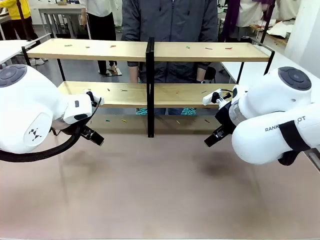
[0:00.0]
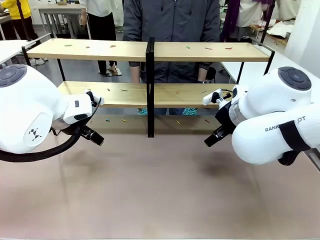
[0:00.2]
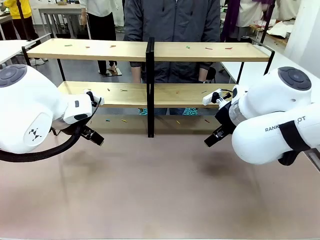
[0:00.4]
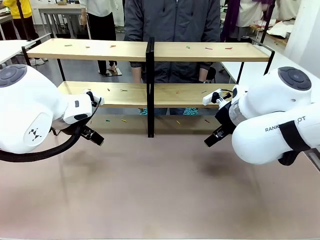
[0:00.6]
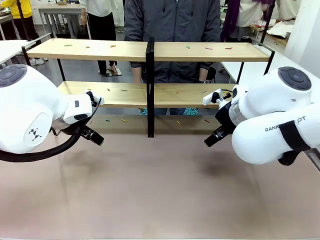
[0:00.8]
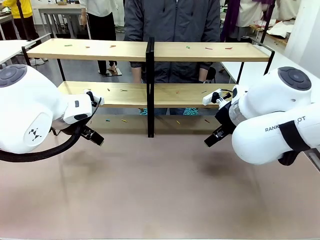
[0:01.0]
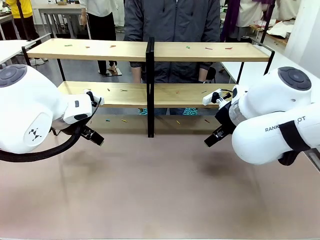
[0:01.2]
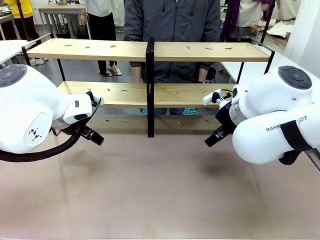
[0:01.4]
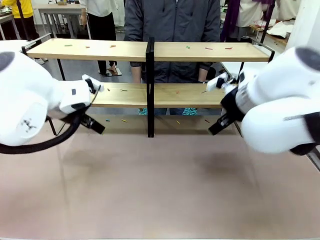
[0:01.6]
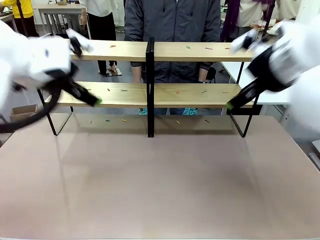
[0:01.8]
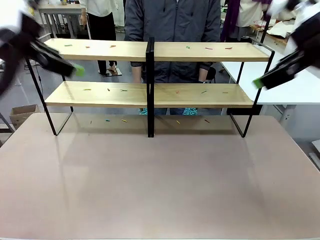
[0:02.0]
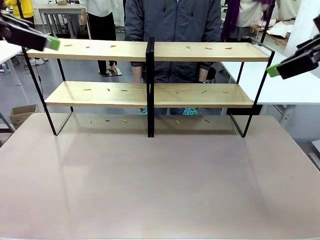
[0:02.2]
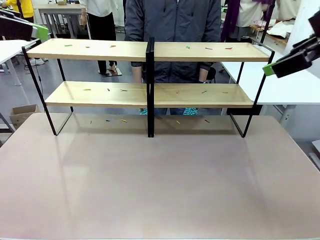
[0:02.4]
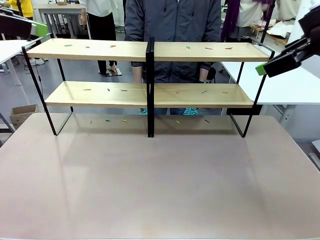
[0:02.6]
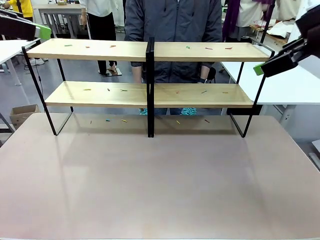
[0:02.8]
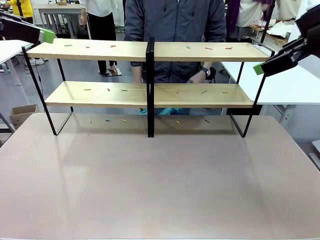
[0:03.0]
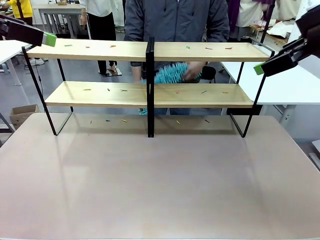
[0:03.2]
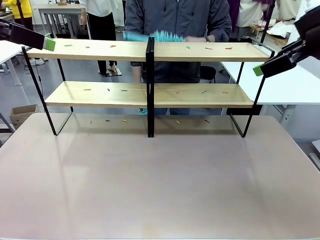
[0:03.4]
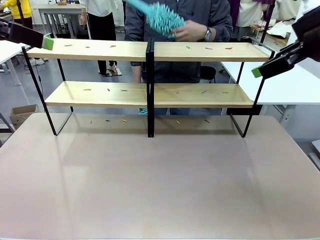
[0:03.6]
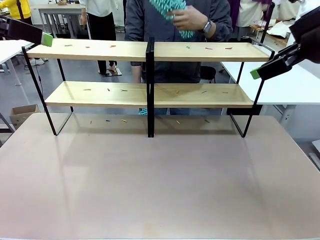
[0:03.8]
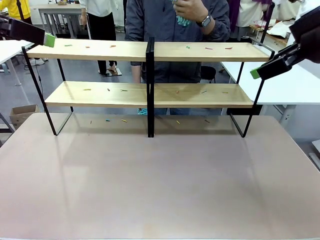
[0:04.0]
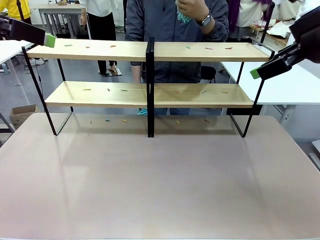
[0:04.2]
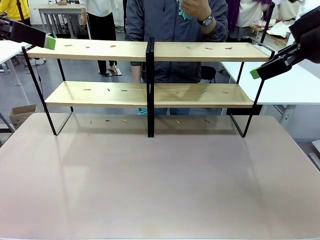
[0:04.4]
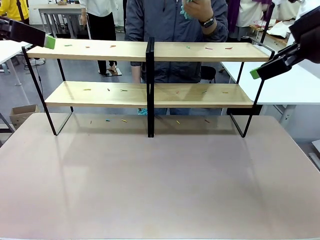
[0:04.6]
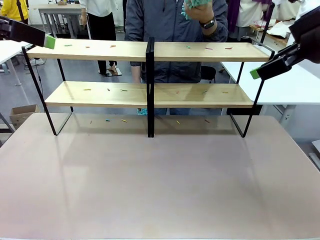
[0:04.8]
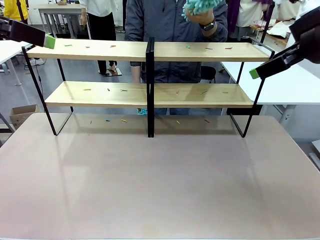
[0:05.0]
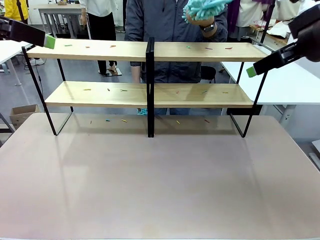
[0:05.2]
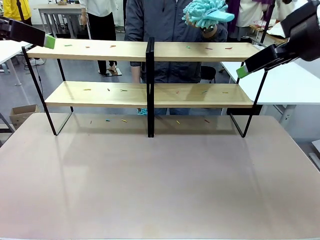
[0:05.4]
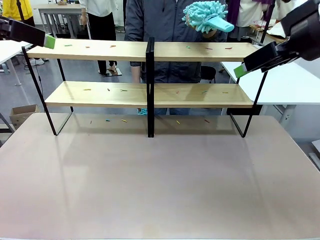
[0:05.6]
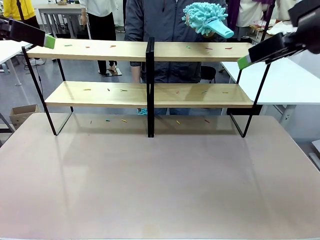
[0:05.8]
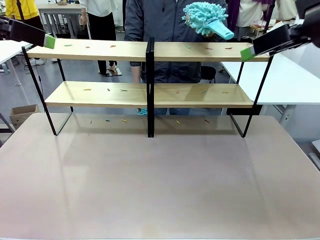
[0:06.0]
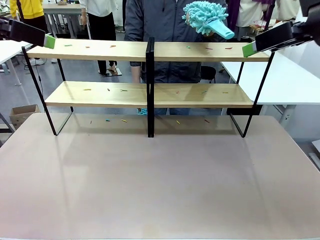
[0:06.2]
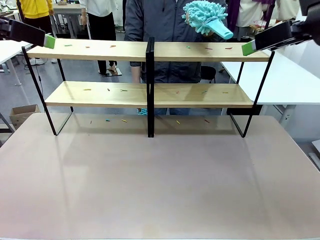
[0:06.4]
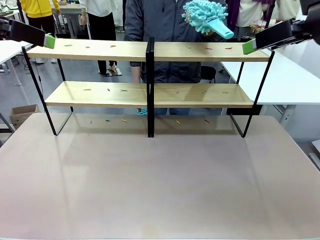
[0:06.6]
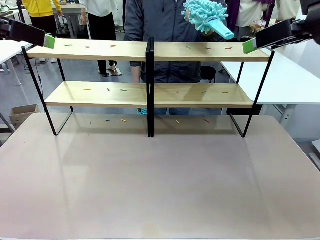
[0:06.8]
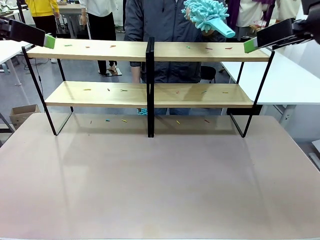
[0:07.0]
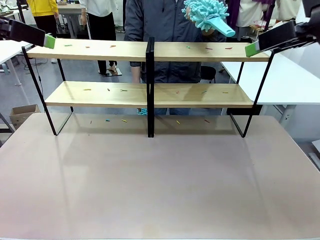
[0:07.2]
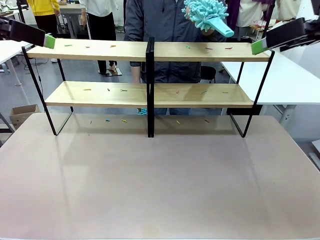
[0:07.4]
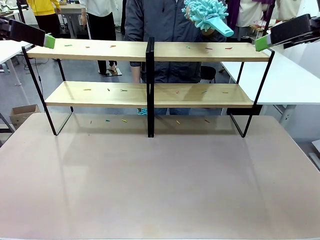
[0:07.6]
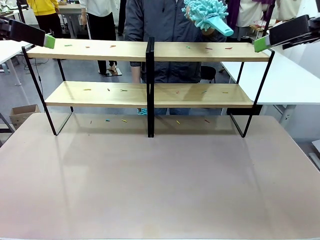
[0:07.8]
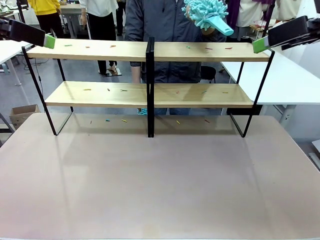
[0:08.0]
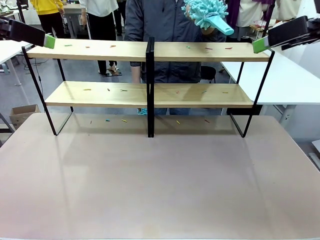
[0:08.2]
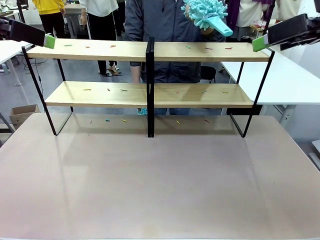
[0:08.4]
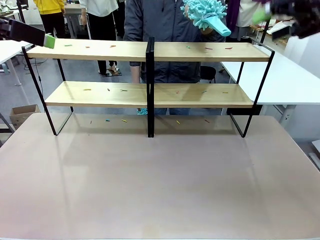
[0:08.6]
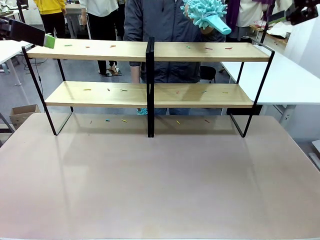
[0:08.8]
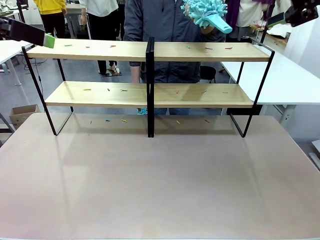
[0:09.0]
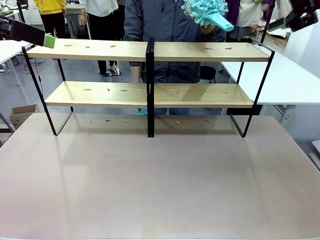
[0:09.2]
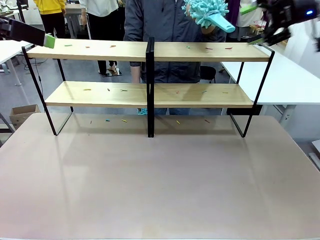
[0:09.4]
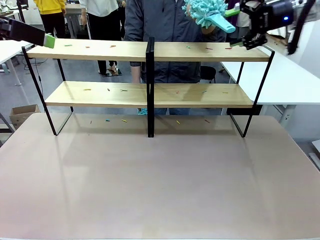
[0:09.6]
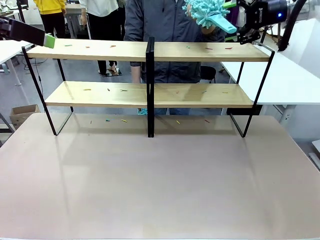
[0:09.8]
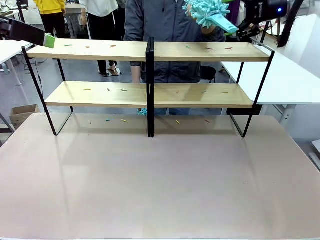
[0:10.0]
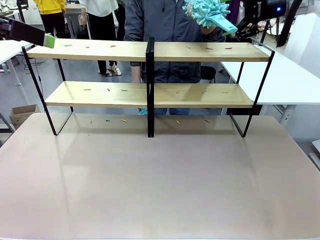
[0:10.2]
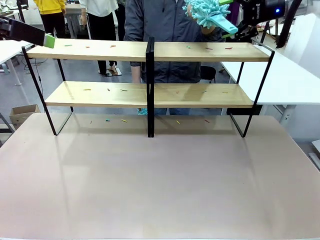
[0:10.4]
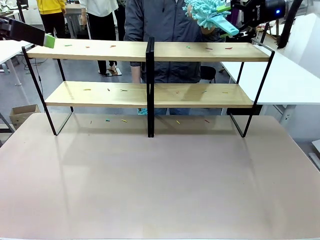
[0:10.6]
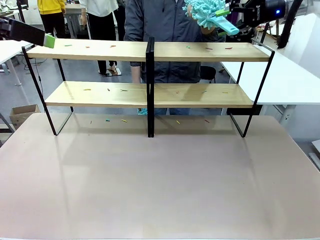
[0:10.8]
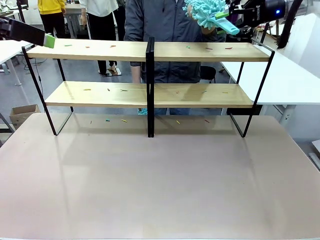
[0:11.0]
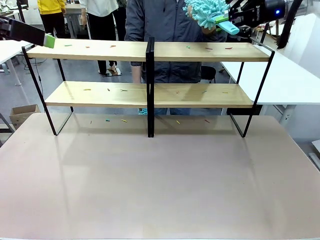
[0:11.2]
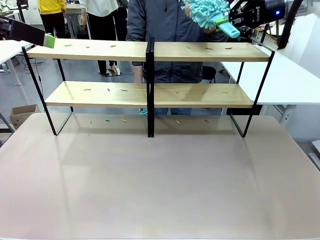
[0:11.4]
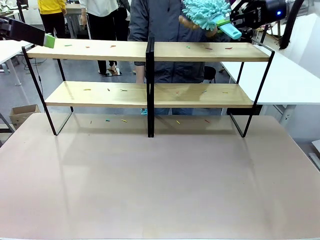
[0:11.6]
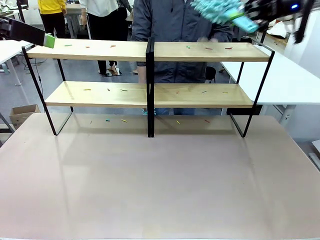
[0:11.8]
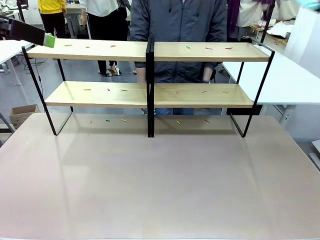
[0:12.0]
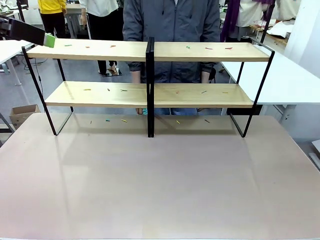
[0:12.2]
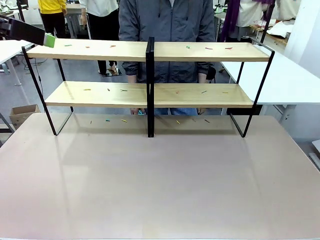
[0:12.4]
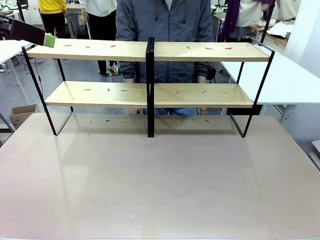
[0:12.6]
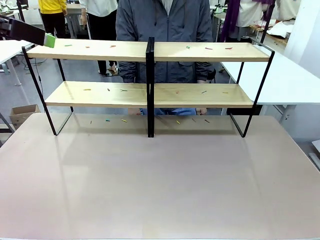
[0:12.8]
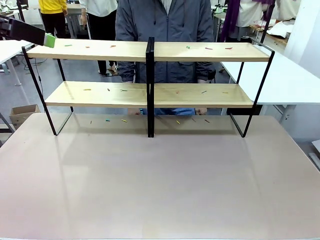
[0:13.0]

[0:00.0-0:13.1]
Task: Clean the shelves.
Robot: Pick up the Duster when the human hands it over.
Person: Hand the Duster to the robot with your right (or left) hand.

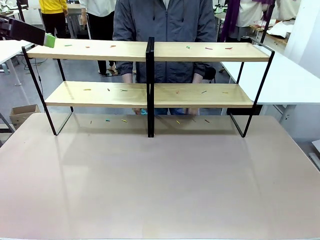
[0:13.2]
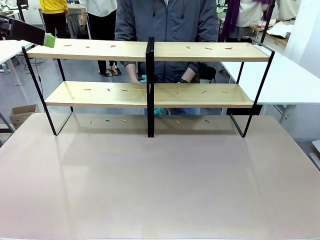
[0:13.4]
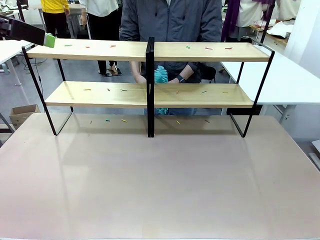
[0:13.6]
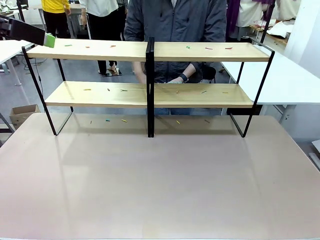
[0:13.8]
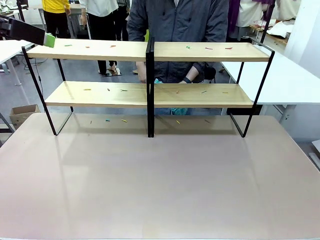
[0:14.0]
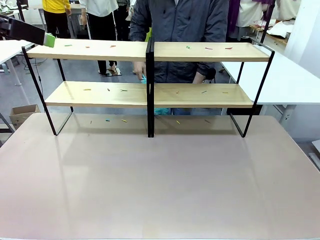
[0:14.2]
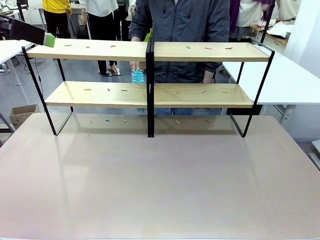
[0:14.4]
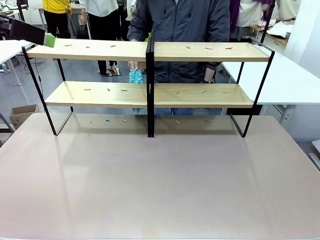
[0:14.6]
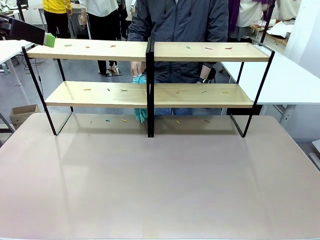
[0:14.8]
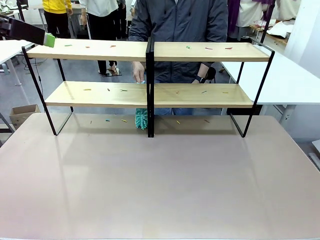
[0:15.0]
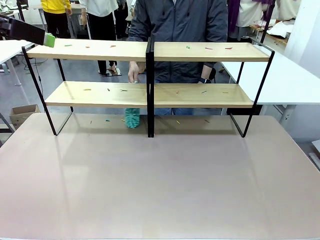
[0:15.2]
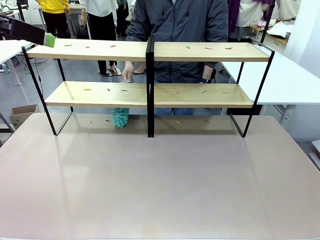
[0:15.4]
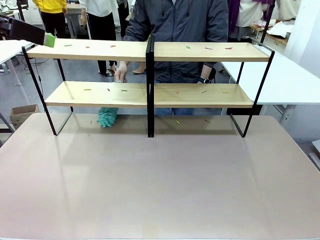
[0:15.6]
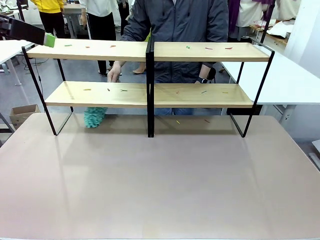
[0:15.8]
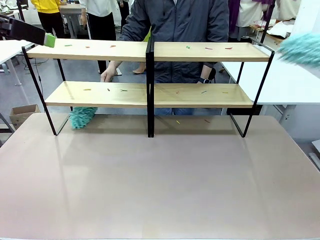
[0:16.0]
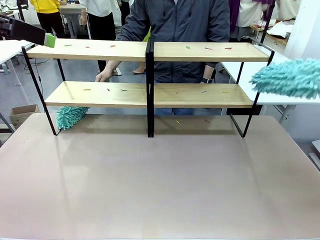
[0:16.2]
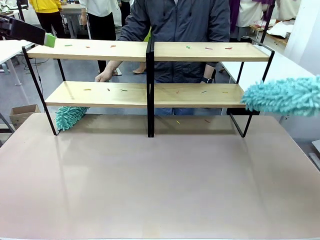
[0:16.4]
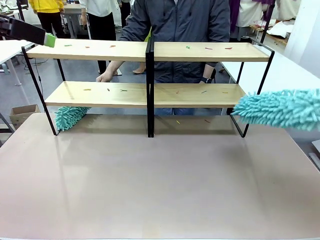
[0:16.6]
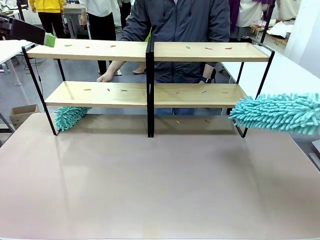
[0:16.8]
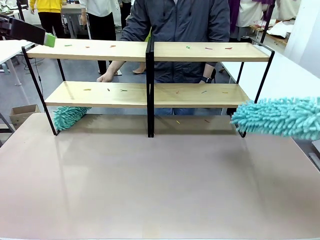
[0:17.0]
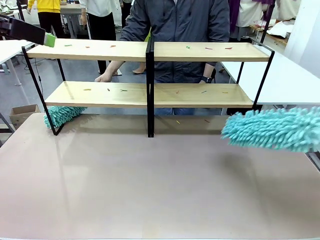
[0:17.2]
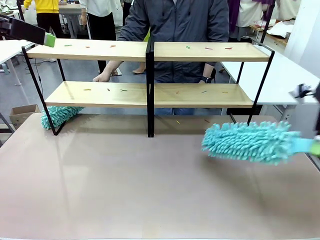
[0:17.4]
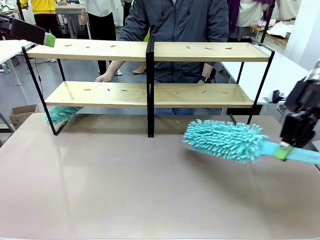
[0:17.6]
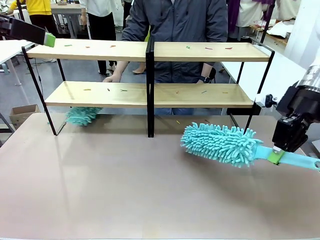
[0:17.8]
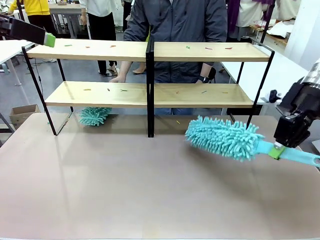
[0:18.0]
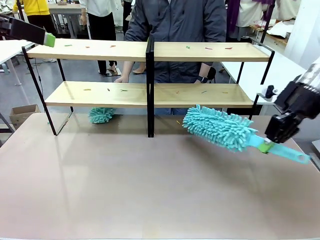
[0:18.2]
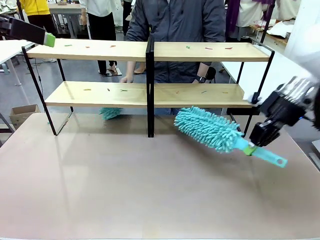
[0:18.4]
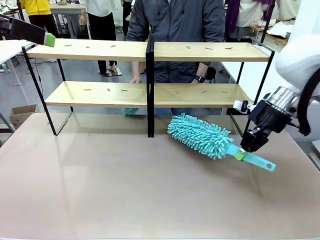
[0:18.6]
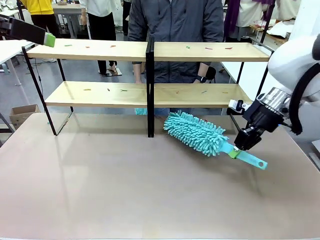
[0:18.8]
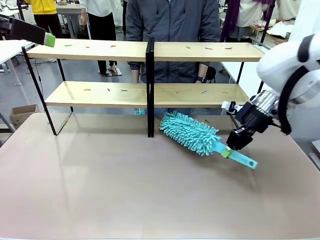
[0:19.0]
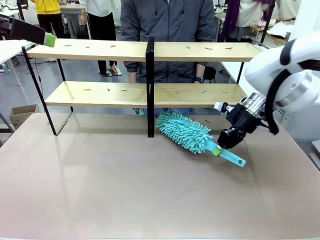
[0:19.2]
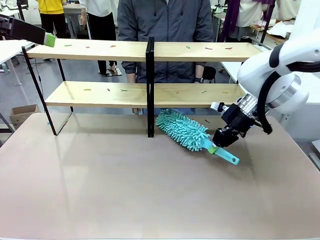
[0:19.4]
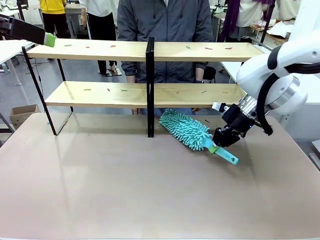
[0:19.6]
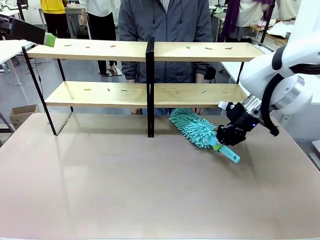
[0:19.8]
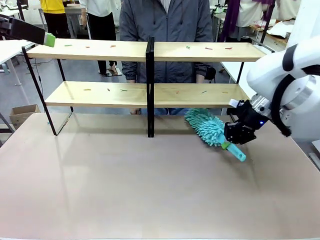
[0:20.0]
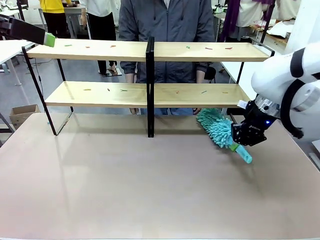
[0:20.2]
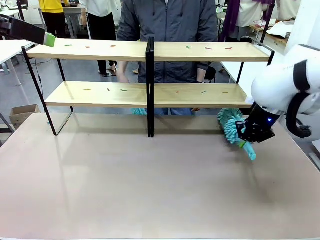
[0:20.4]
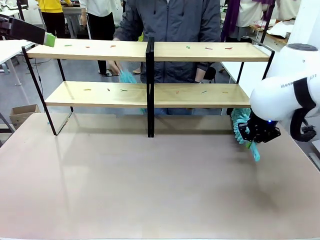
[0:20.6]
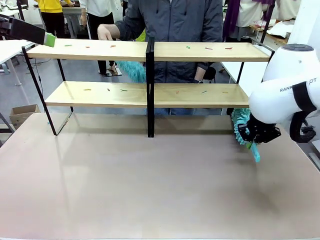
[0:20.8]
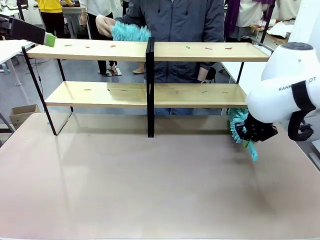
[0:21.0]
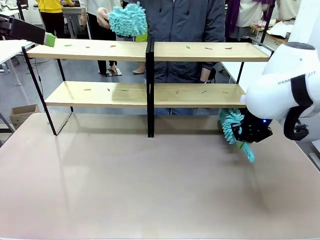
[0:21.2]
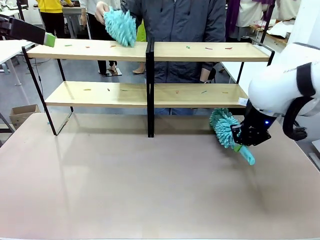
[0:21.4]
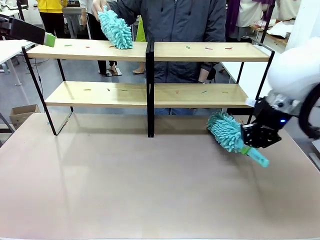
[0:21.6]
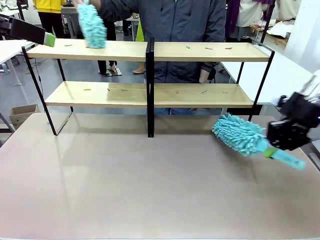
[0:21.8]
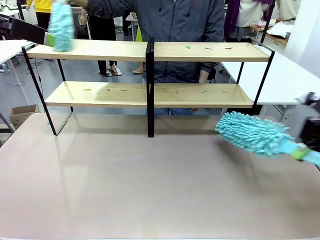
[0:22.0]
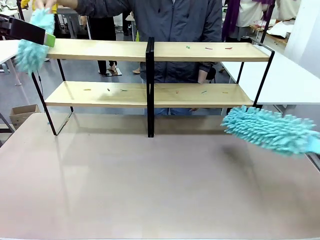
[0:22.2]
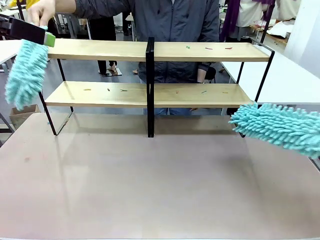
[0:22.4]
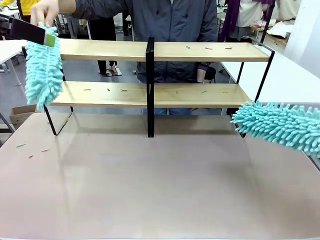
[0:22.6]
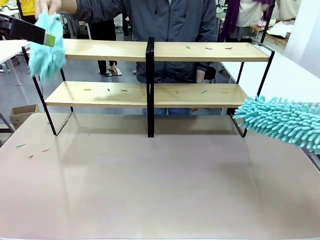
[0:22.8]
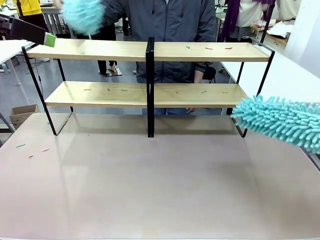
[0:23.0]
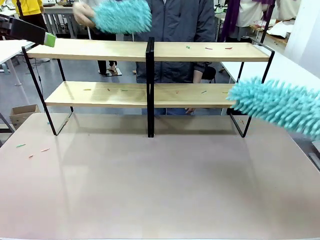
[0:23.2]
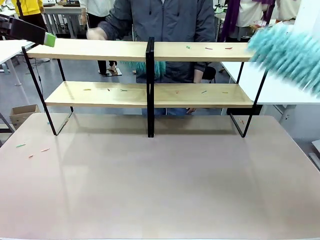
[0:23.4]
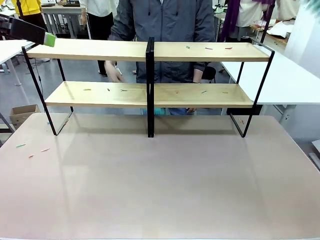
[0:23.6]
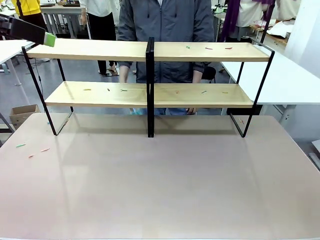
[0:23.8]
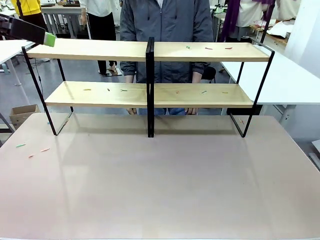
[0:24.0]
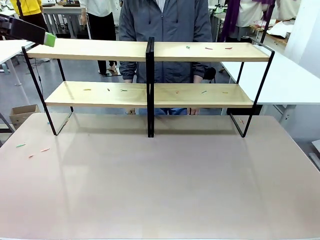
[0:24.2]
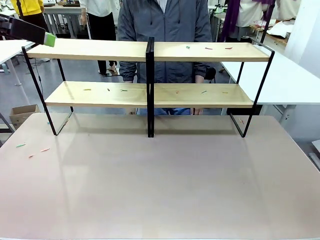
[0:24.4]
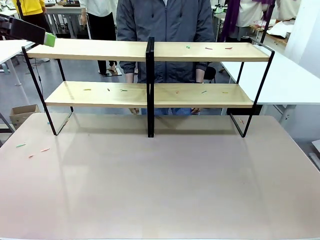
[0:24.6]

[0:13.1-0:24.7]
Robot: Clean a randomly selected level of the Shelf with the Duster.
